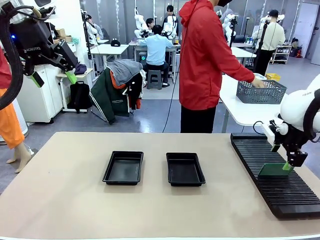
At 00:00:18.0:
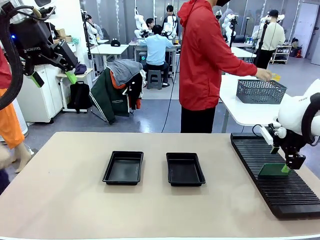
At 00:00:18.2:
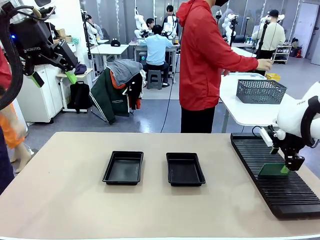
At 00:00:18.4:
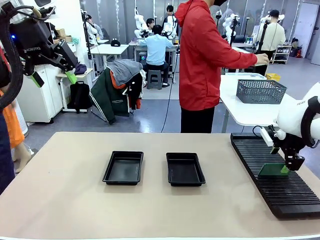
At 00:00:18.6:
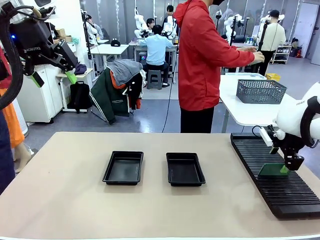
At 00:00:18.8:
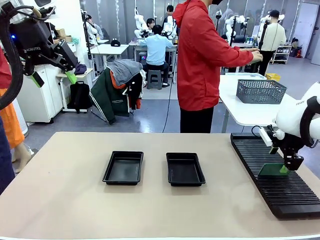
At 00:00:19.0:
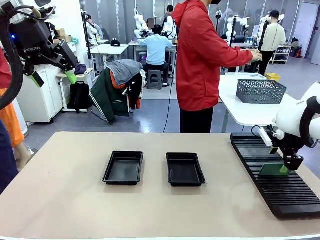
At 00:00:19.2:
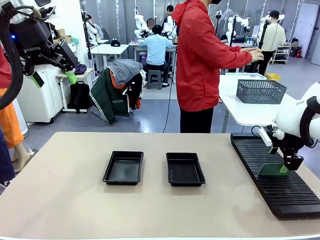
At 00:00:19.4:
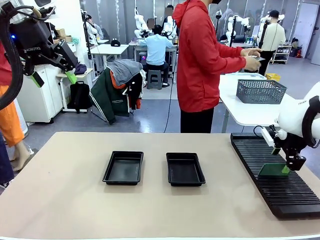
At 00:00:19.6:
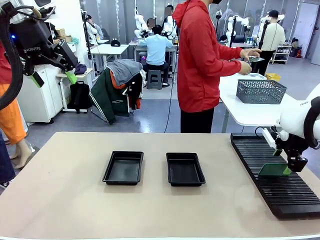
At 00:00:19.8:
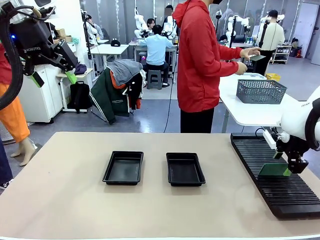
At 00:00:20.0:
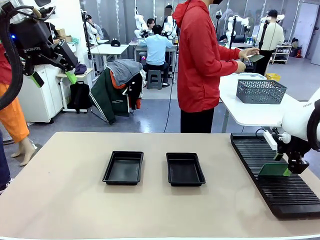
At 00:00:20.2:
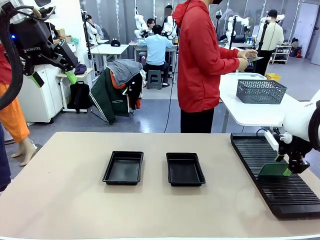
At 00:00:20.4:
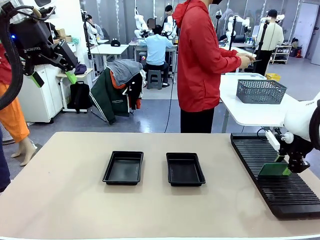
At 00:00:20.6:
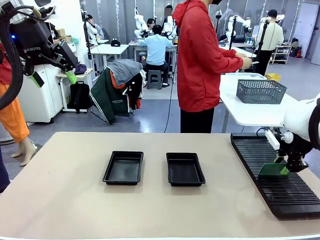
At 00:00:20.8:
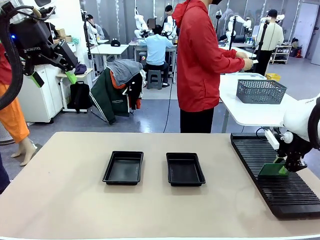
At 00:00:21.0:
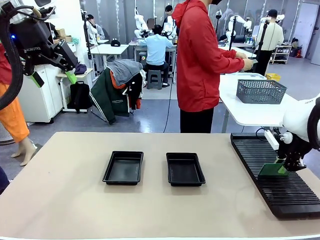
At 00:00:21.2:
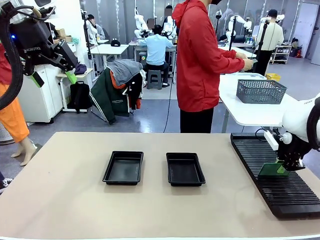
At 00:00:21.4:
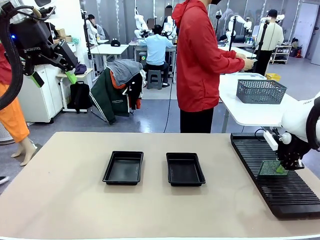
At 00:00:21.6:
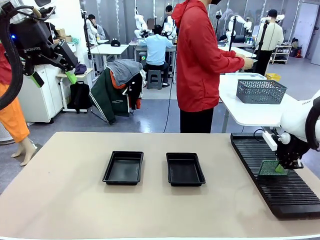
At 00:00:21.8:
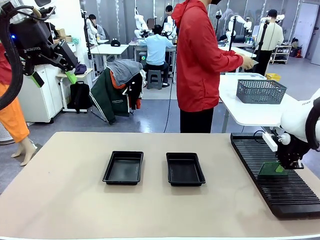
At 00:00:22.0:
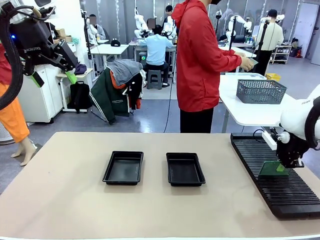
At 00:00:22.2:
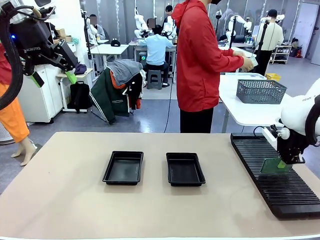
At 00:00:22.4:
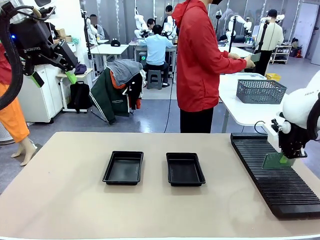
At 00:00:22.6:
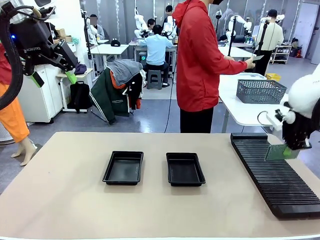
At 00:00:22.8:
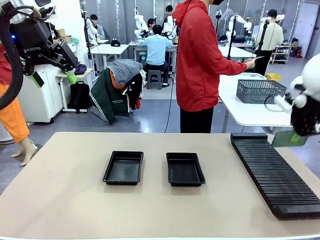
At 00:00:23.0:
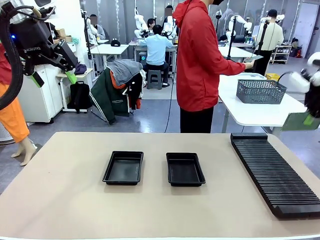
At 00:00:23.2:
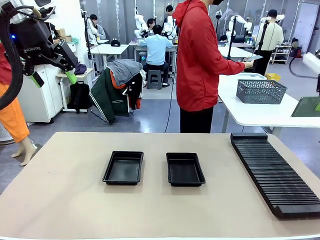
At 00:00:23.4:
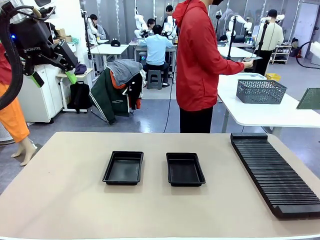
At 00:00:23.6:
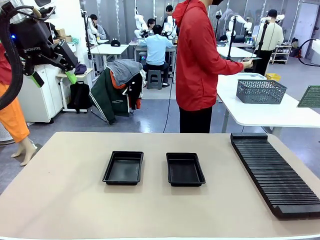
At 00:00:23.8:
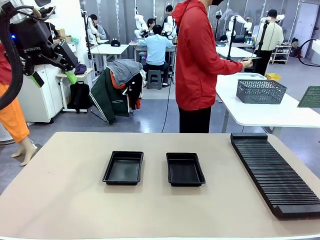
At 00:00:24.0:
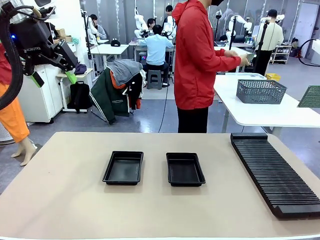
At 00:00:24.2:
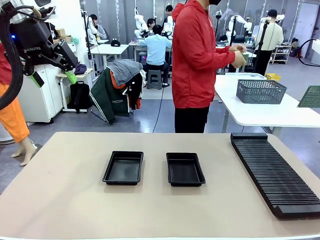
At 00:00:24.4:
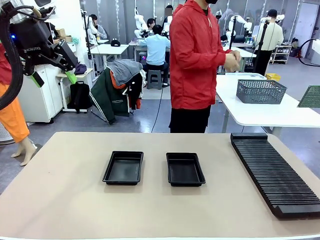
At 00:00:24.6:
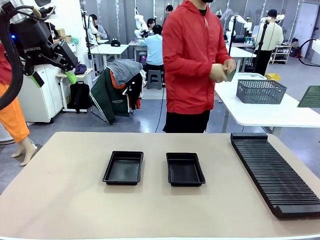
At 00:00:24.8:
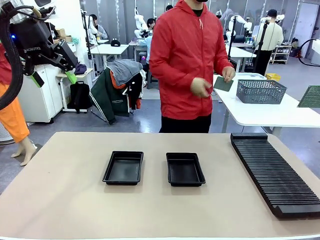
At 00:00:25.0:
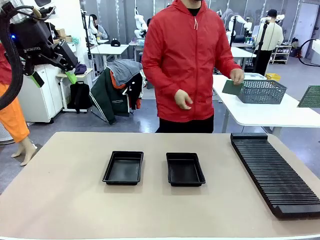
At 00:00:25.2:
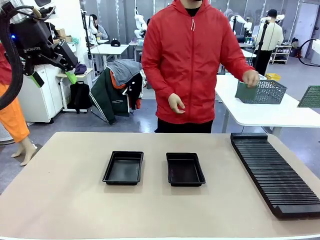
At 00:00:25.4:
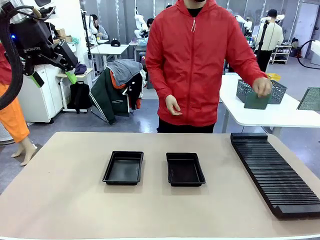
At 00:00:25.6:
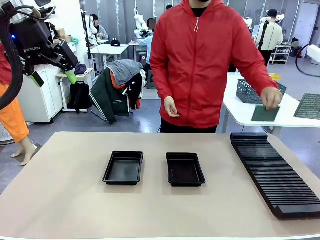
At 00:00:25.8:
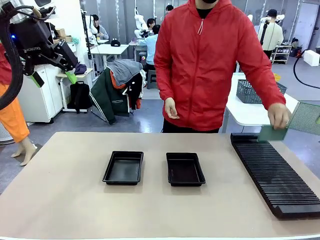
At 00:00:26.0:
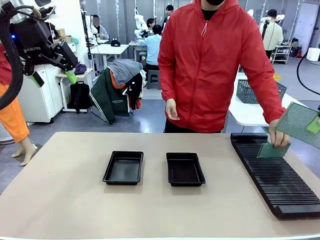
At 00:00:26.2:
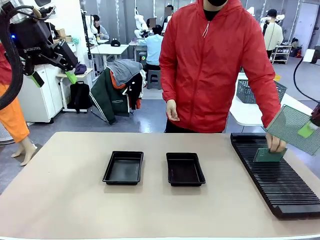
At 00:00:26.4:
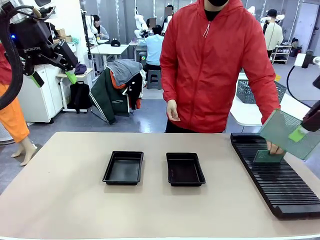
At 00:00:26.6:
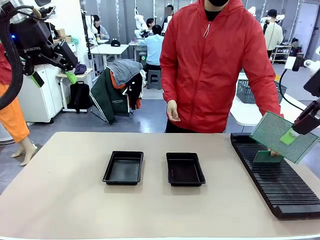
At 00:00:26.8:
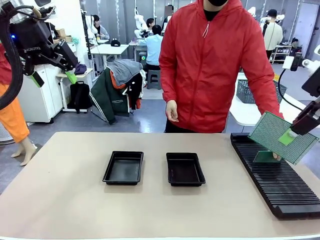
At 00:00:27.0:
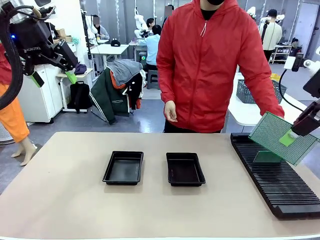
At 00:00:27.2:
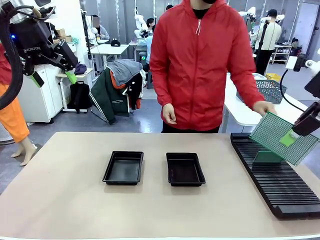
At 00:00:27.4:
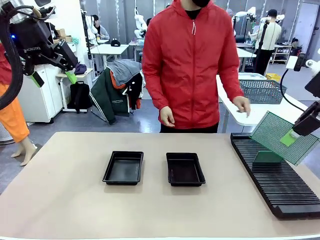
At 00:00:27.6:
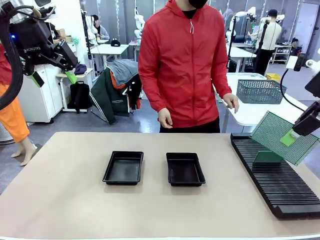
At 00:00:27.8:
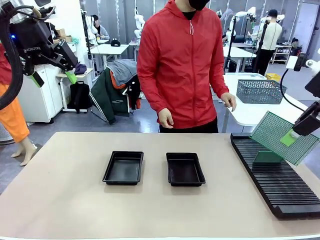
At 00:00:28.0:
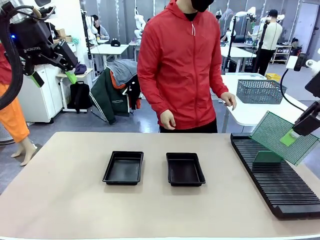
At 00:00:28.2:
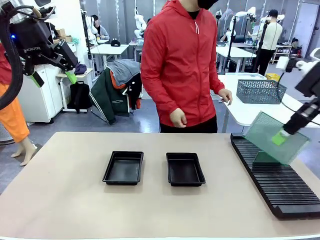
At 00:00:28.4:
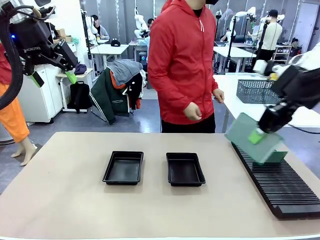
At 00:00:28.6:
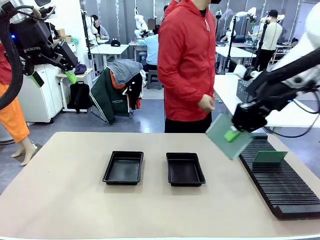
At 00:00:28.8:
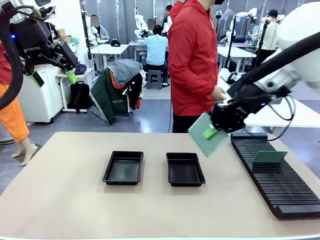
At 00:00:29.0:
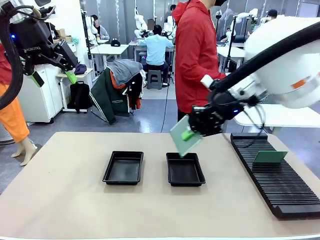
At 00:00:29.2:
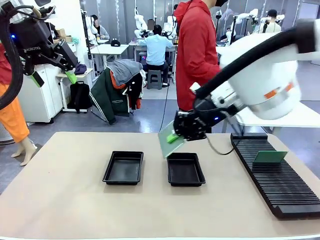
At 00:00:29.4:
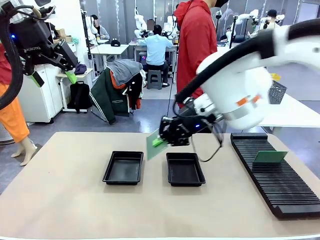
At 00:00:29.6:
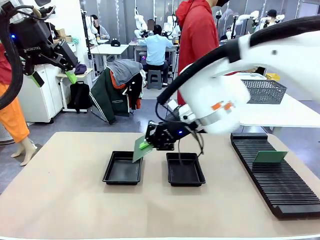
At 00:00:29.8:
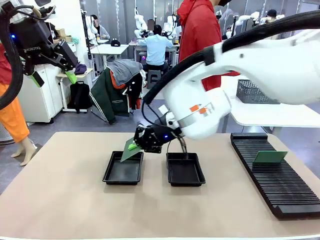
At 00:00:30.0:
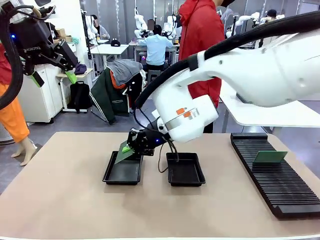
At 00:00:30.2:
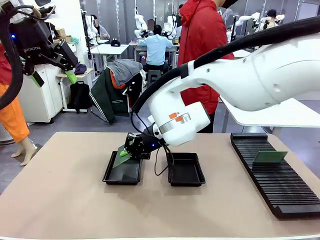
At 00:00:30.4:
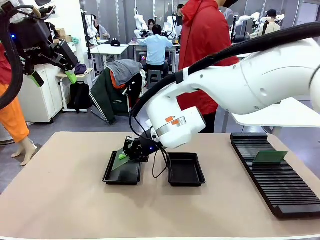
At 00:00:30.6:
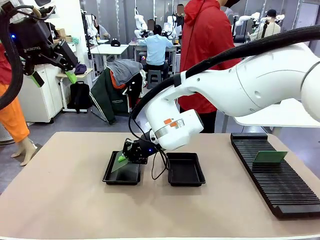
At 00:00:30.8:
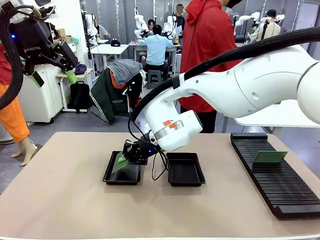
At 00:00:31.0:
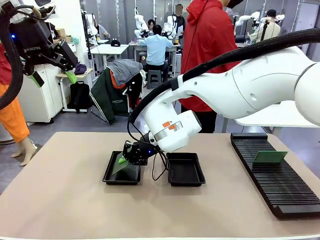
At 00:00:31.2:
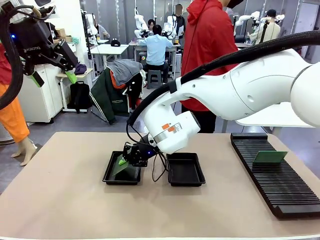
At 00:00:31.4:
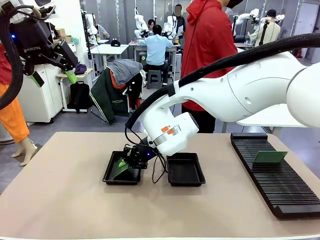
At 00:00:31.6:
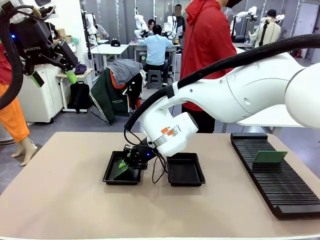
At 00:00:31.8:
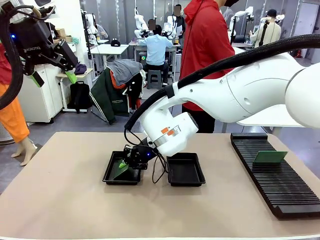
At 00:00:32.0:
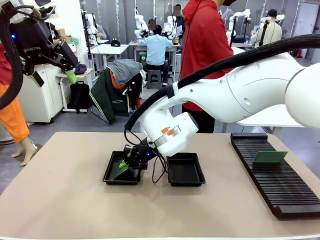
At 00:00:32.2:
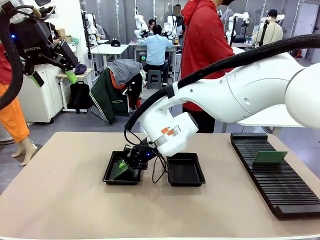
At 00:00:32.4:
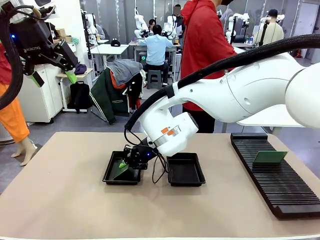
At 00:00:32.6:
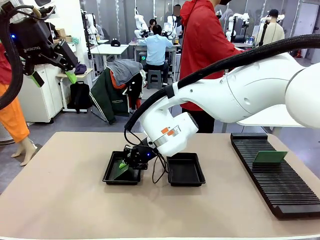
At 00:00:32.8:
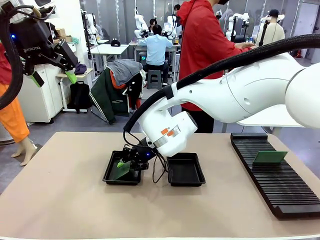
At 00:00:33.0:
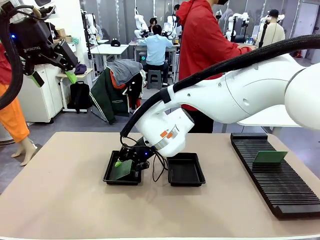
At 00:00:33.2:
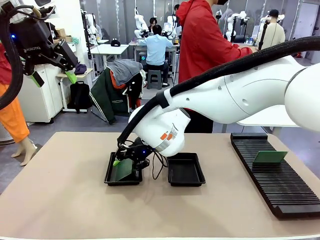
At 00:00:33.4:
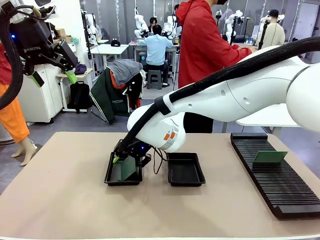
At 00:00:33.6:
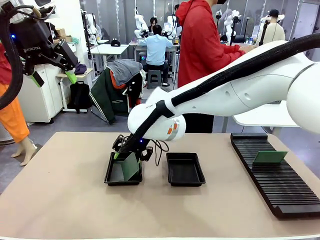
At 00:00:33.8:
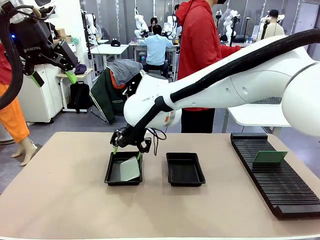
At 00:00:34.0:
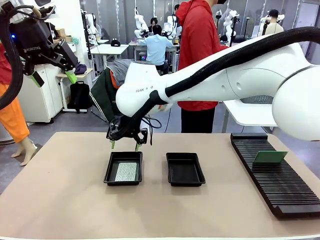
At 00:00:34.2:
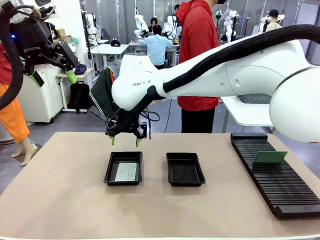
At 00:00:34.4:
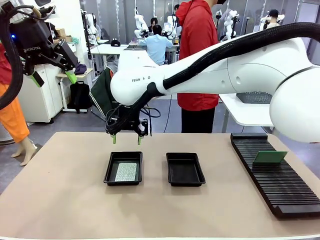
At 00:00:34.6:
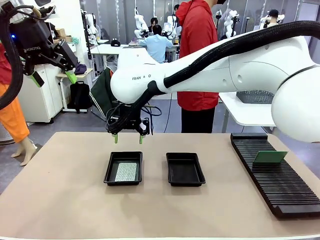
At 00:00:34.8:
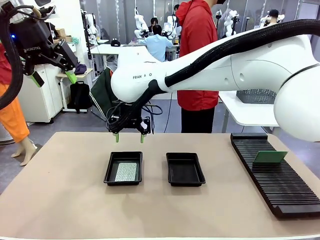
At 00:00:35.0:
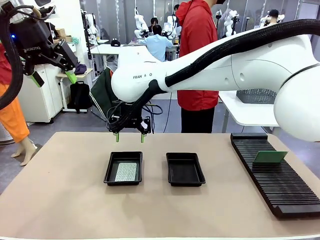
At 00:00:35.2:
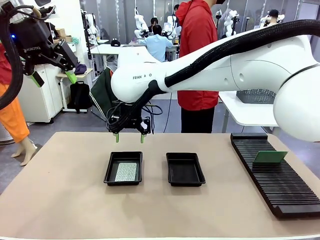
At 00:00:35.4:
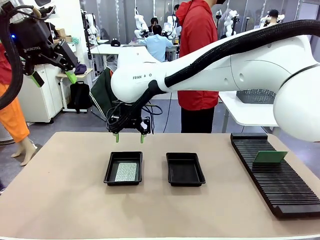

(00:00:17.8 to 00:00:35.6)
Task: Inspect and transfer BCBs to ESD trays.
Robot: Pick up the Blank PCB from the PCB Rack and place it in the left ESD tray.
